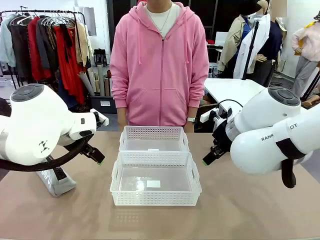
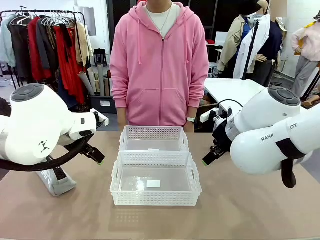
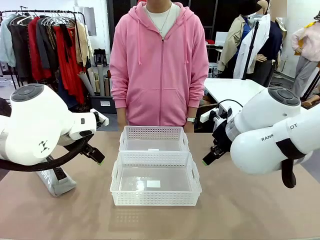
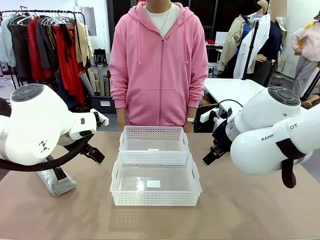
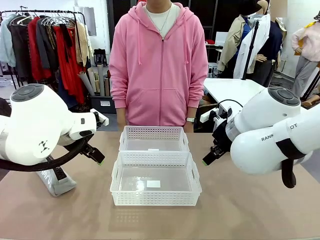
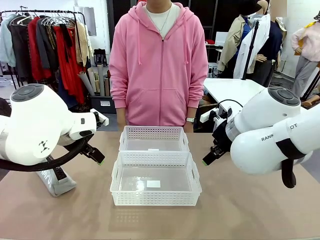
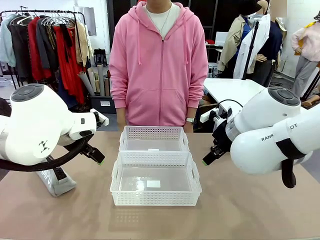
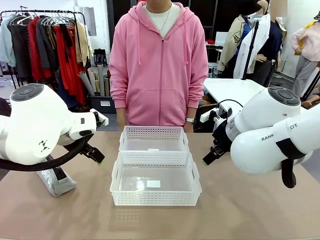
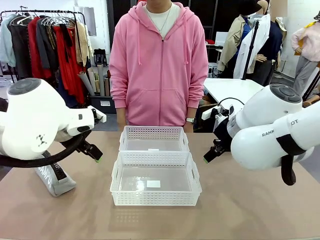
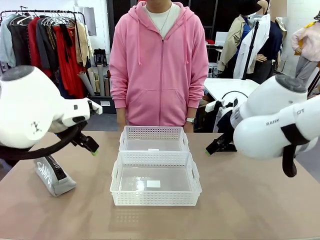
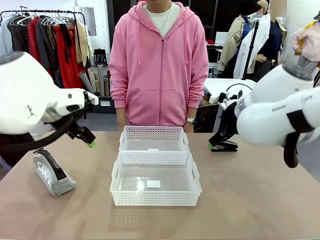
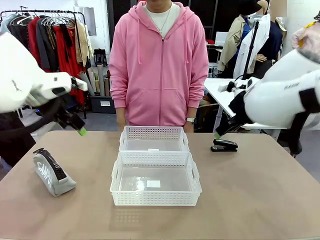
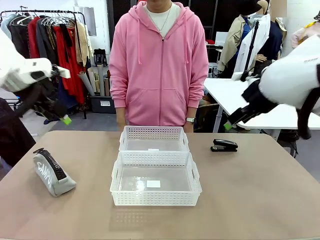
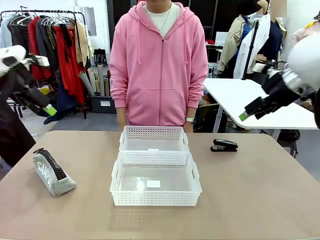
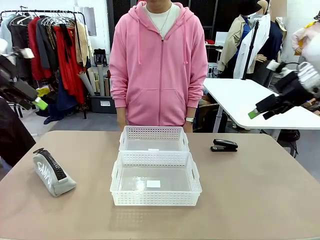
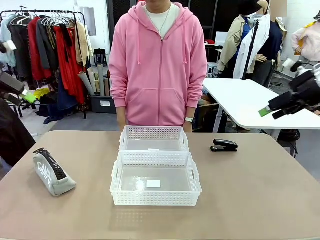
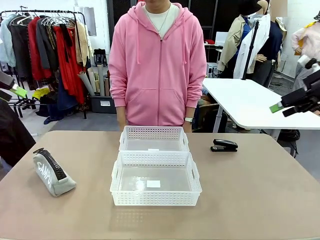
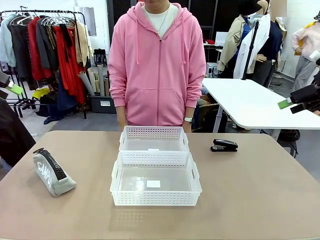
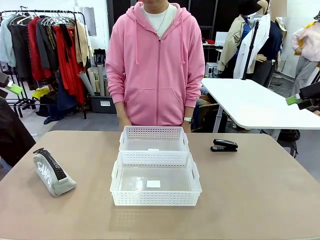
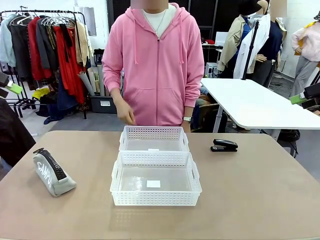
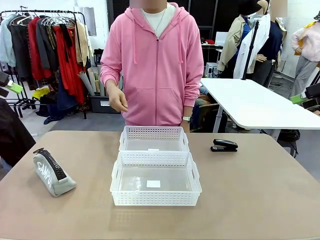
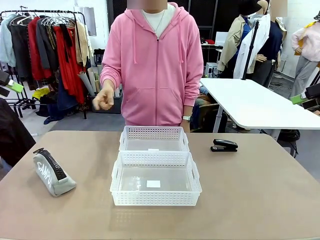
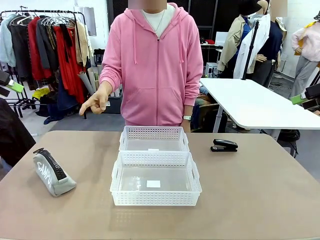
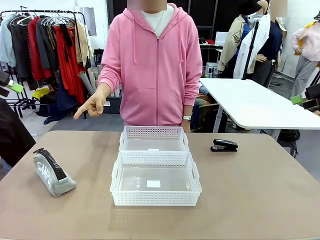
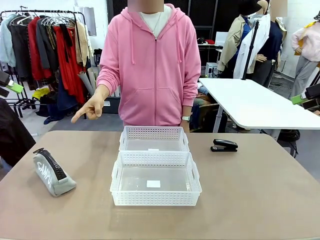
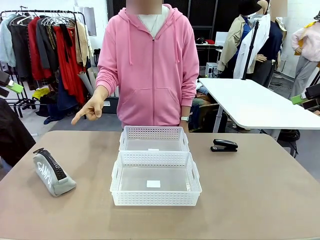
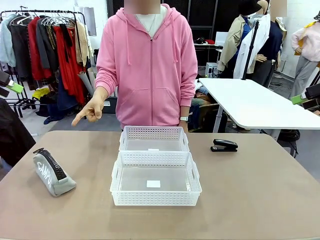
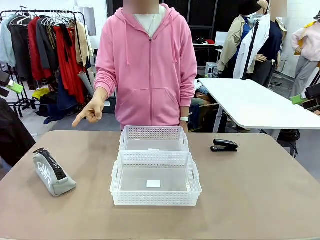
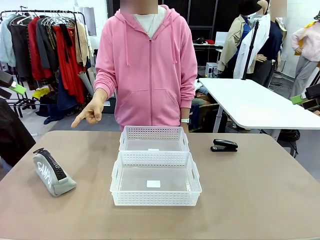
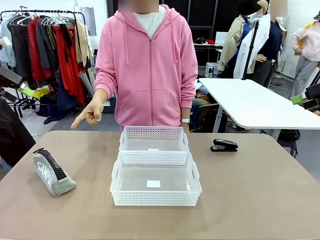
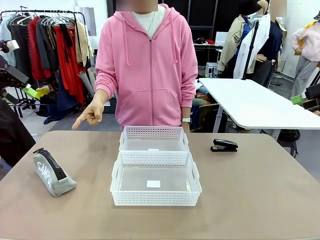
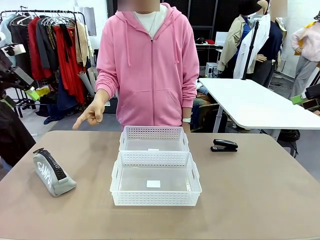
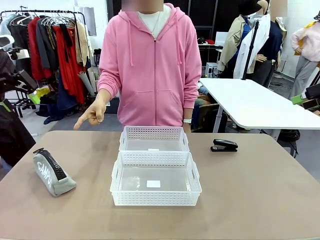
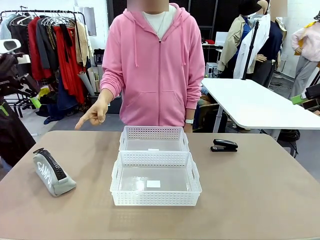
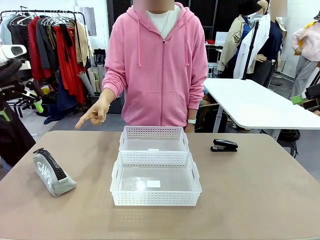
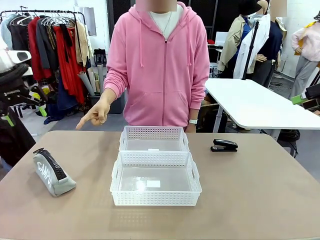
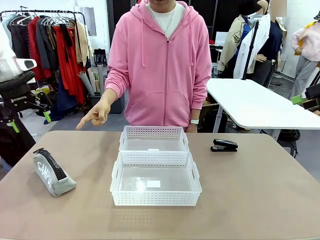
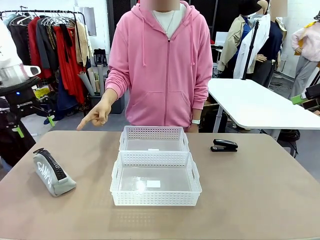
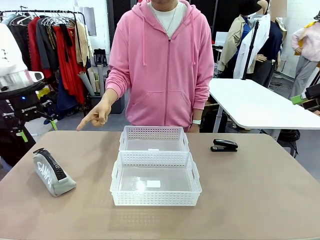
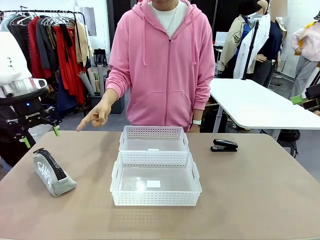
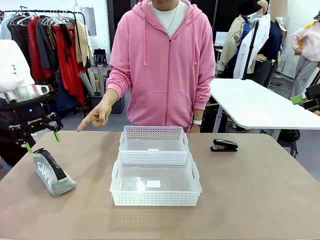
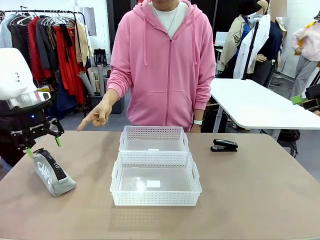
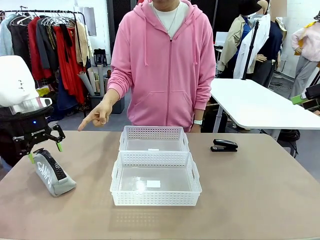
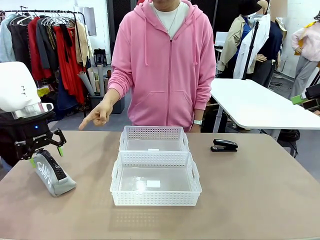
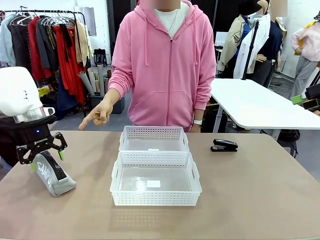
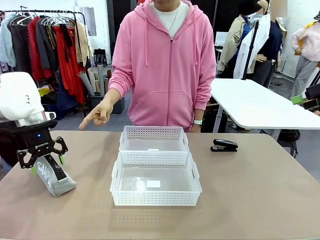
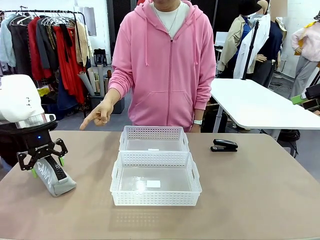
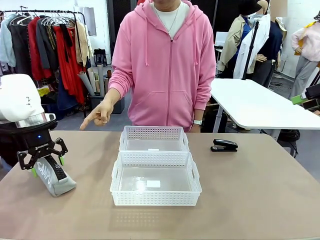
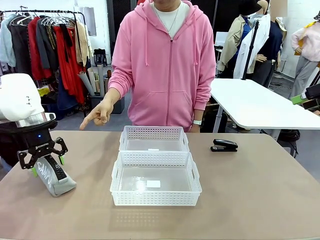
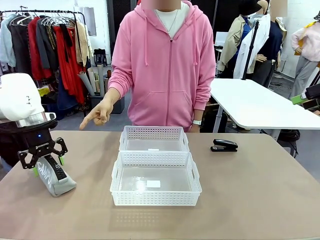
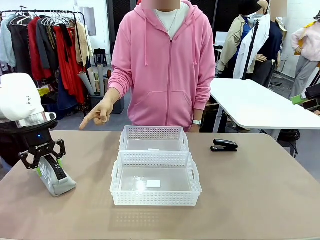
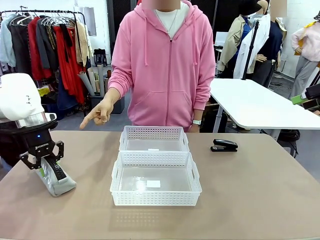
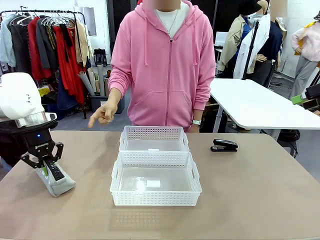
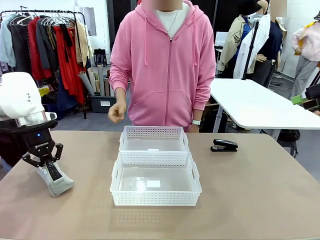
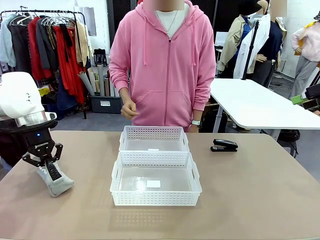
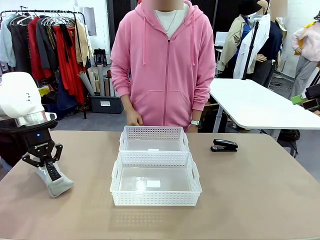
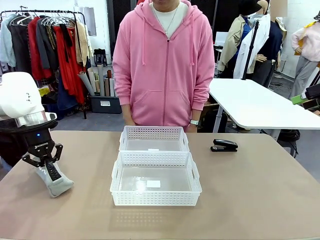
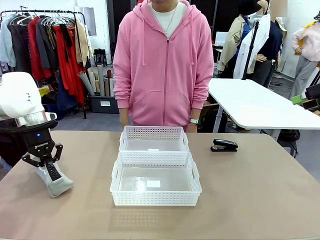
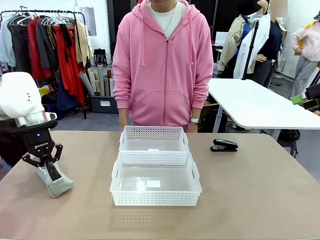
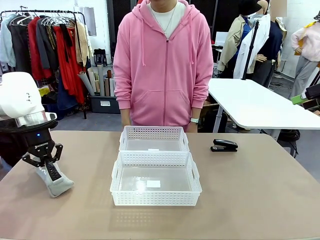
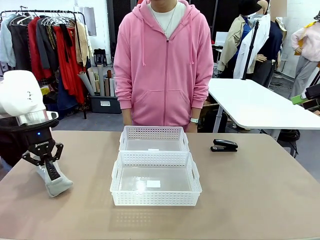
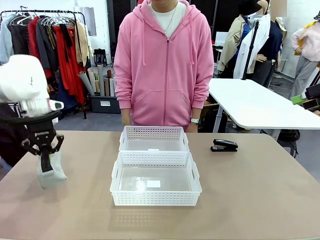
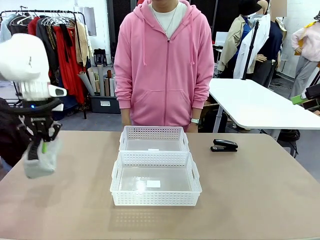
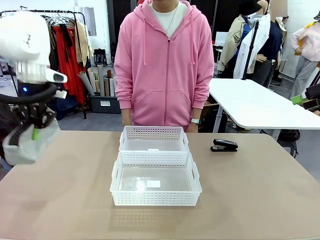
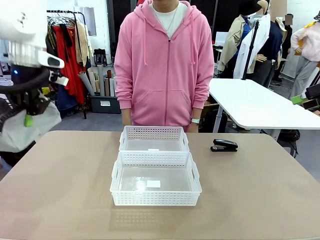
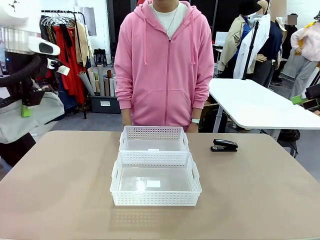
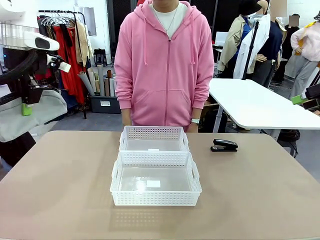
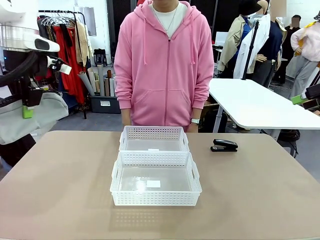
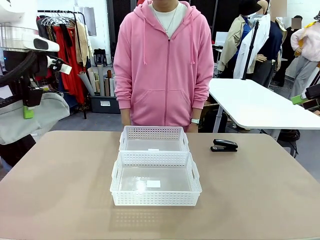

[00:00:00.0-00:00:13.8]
Task: Distribute items into two baskets.
Robot: Pick up the Pencil pouch that the person points to.
Person: Points to the pencil case. Points between the two organizing baskets and instructs the robot to move the pencil case.

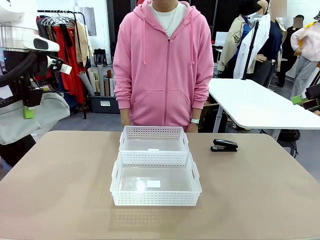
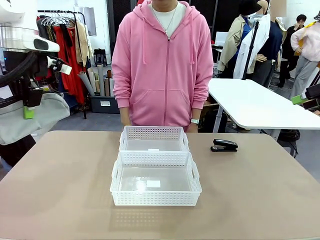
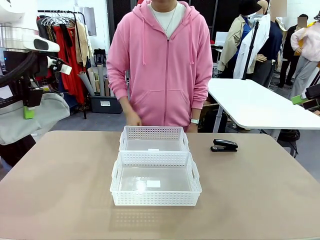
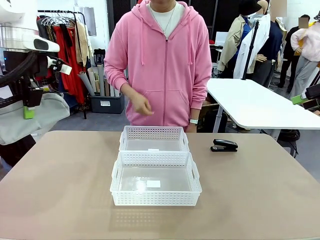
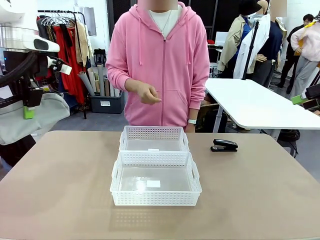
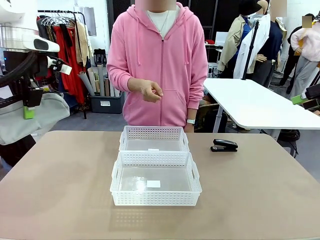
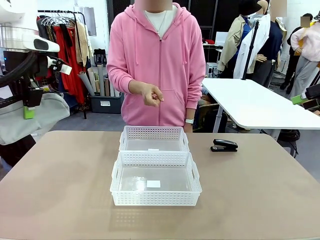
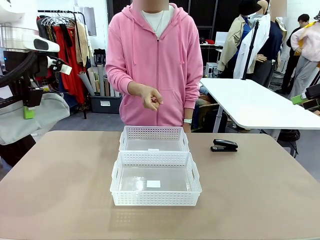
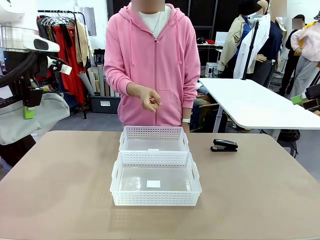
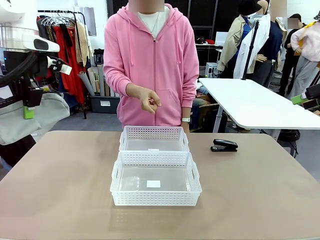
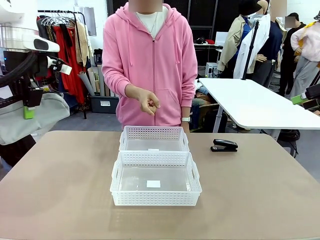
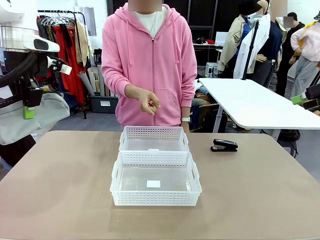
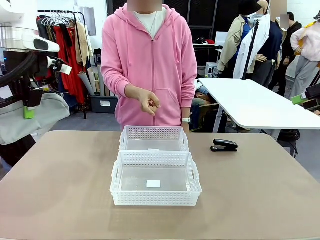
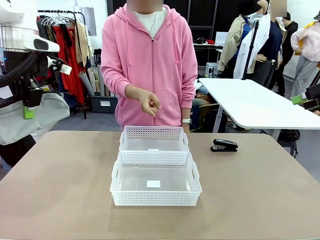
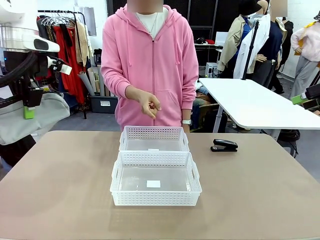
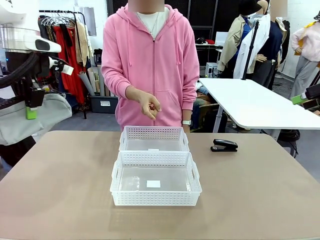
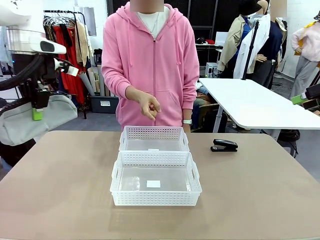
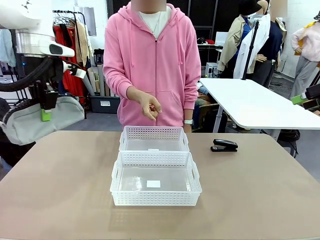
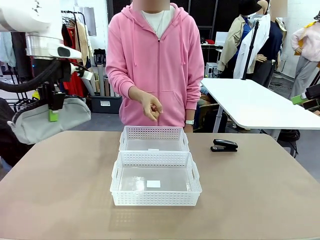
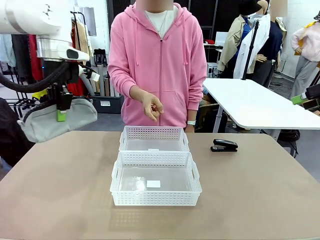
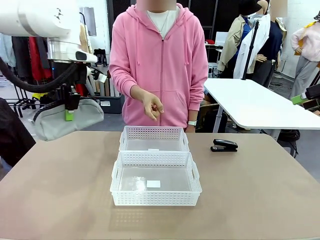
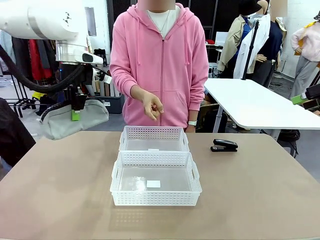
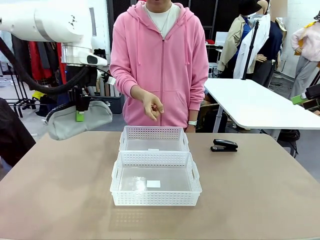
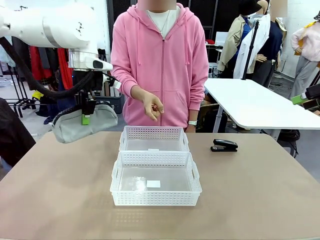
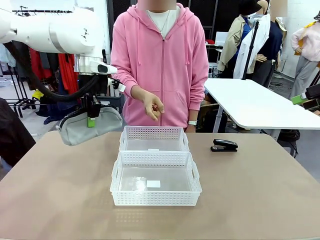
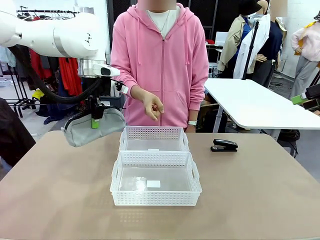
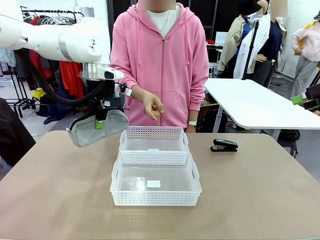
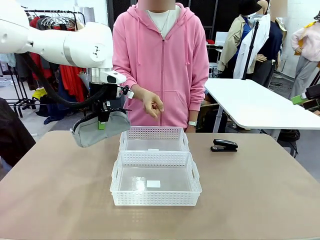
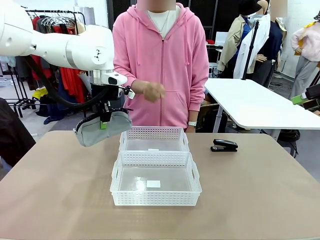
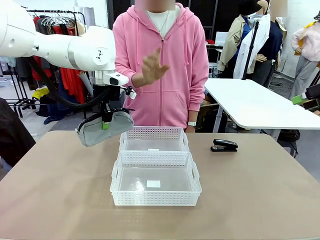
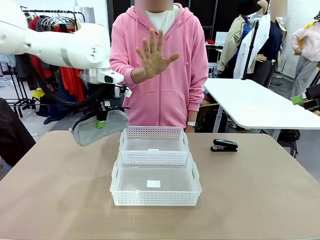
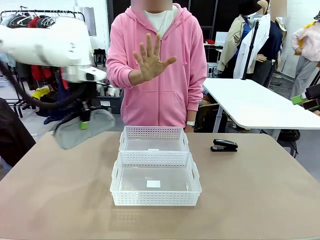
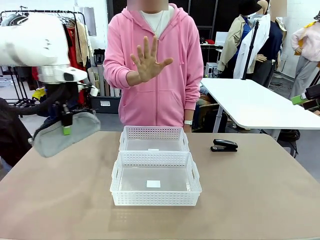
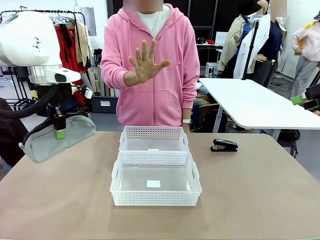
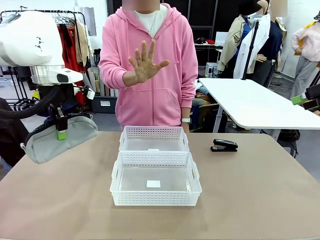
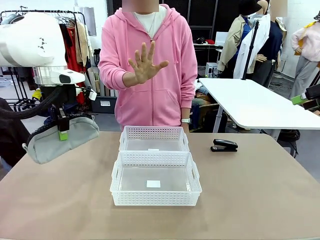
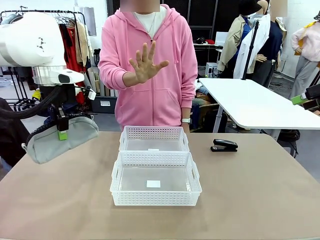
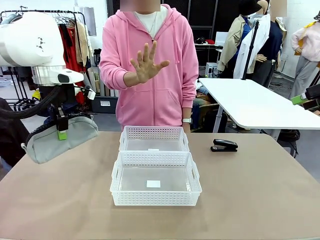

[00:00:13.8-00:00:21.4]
Robot: Move the picked Pencil pouch towards the Organizing basket indicated by the person, stopping as directed.
Person: Sends a stop gesture before the robot places the pencil case into the basket.
